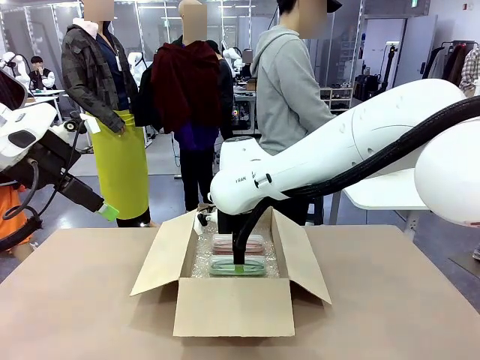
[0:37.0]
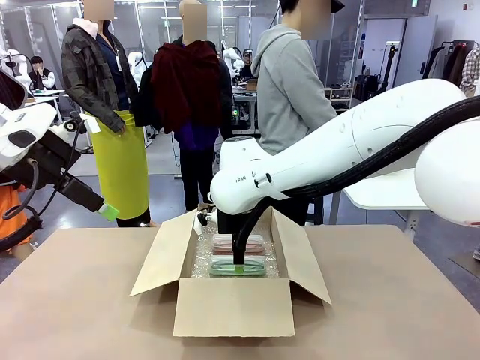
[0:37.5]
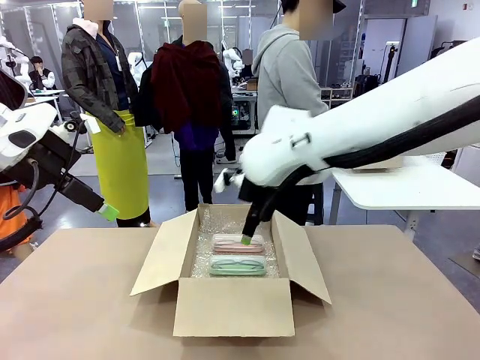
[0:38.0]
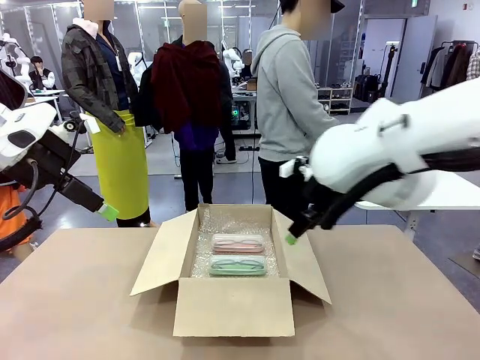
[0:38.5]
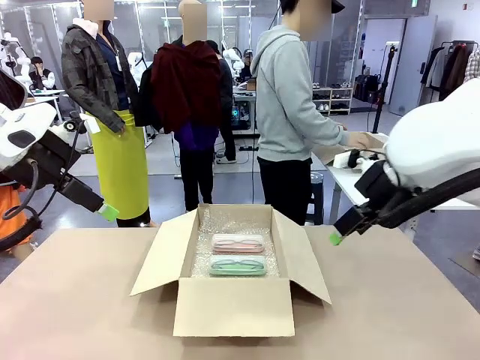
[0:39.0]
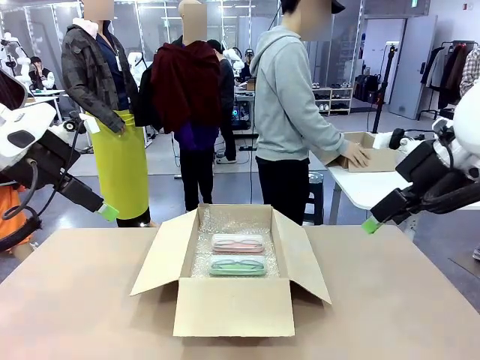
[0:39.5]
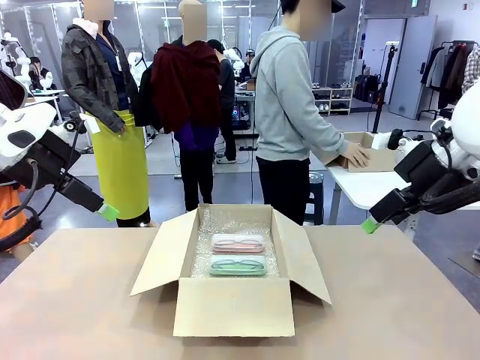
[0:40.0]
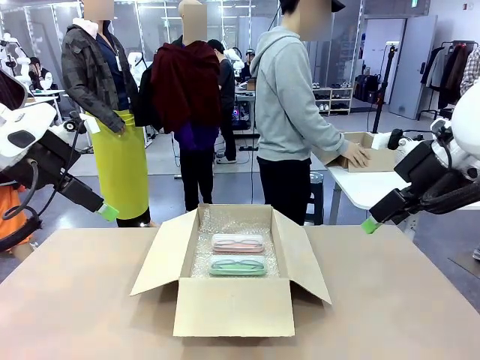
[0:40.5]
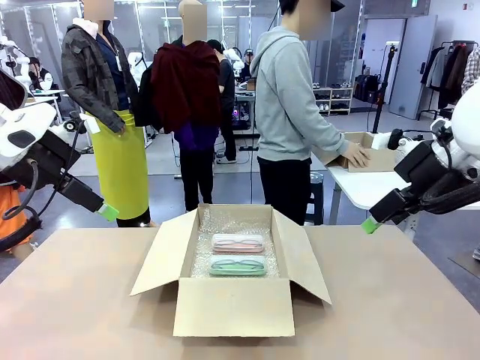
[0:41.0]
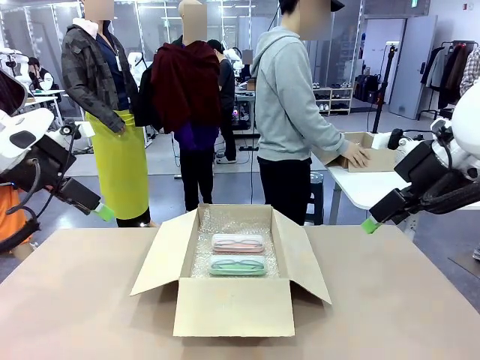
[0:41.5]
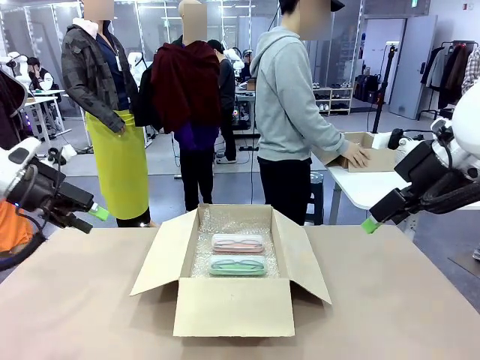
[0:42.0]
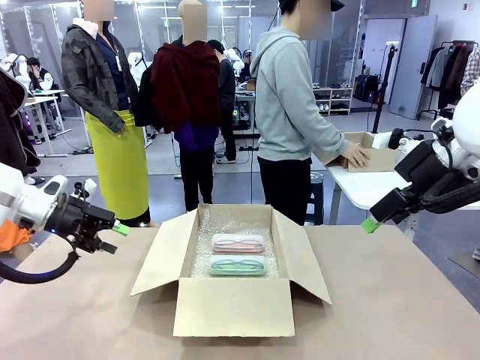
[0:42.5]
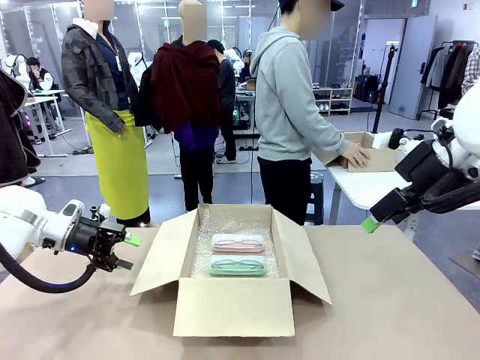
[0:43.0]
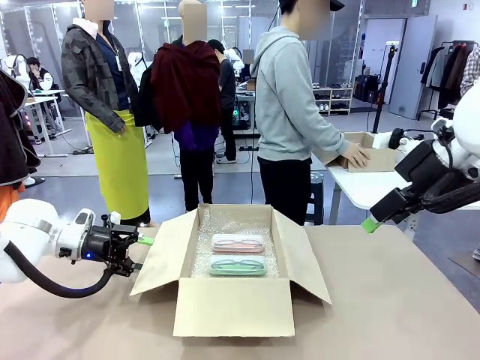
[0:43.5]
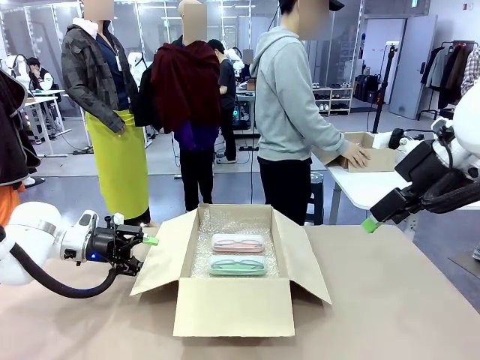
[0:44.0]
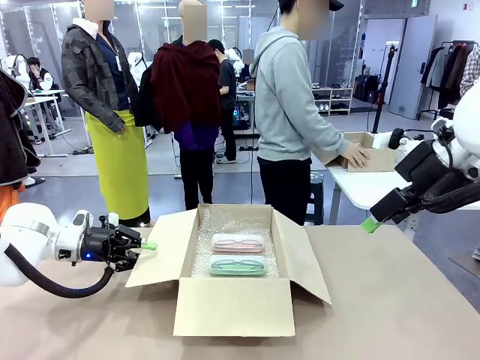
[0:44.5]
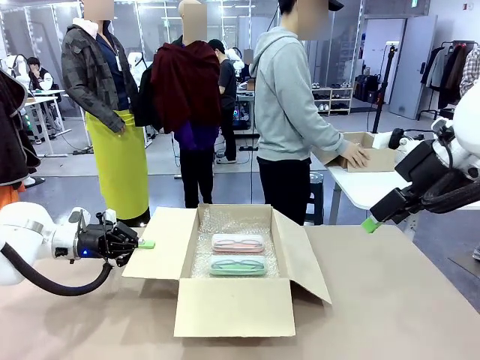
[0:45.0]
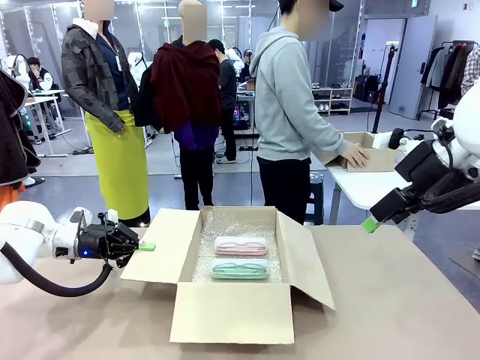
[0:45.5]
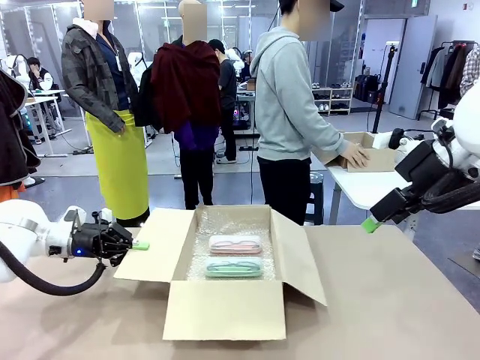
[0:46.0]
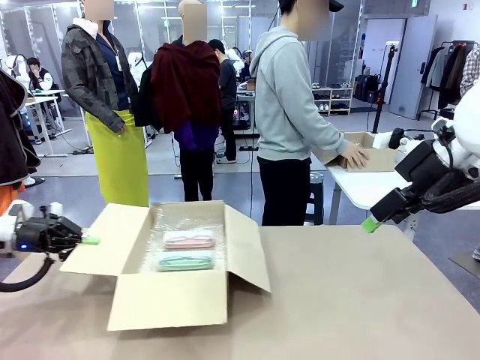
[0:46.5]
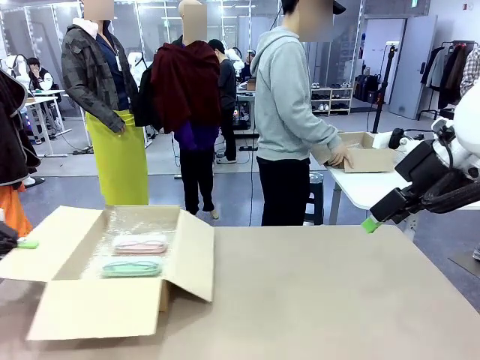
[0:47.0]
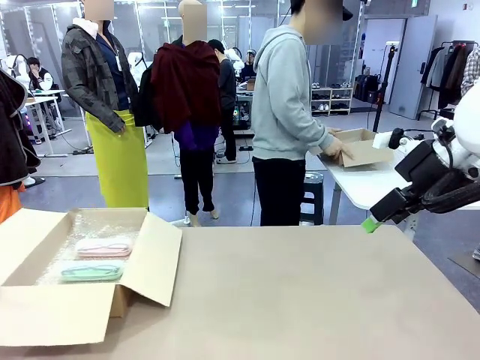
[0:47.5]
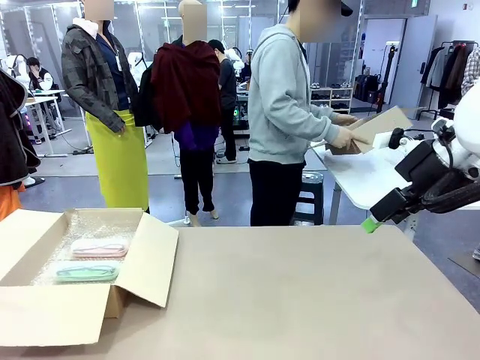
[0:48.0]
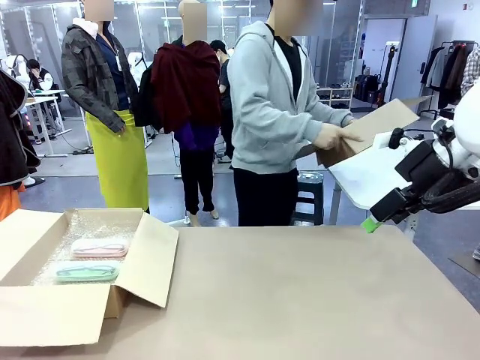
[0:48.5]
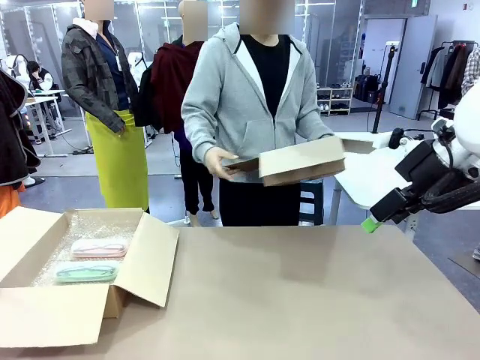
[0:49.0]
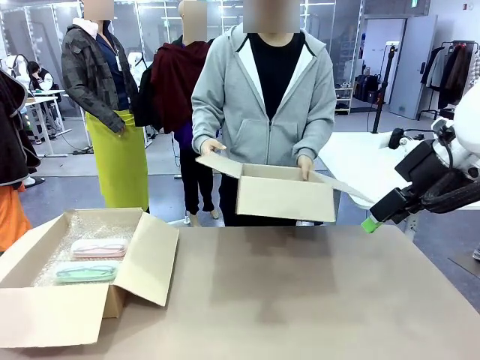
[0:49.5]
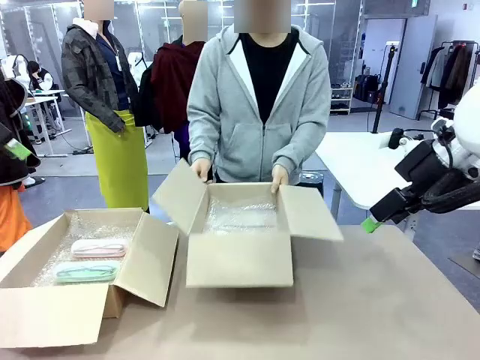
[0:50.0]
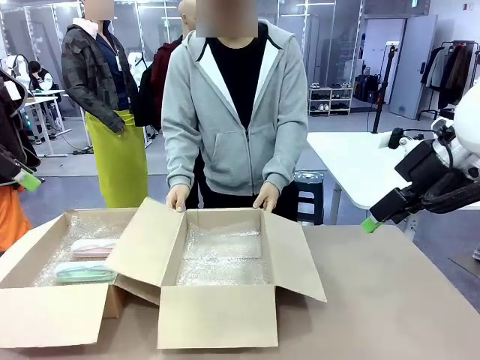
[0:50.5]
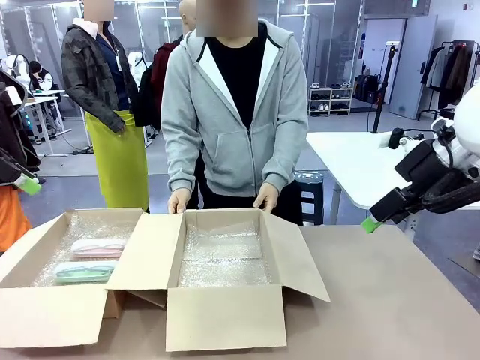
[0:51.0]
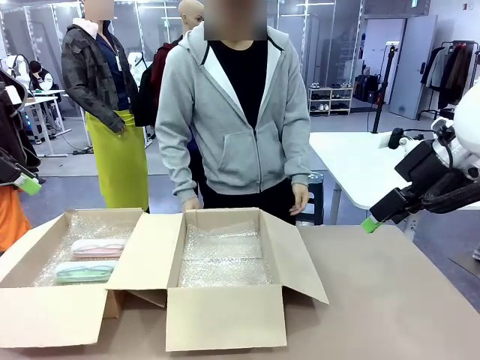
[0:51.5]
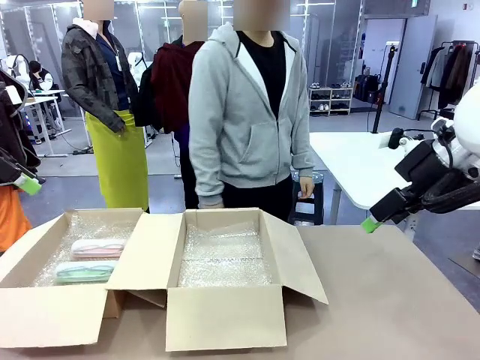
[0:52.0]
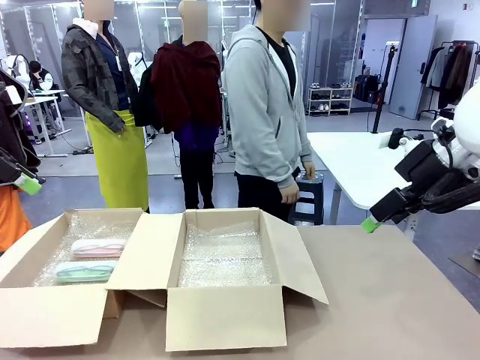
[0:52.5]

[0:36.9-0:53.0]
Task: Pack the glasses set securely to prepare it for shipping.
Robot: Position the Package Box on the left side of the table.
Person: Position the empty Package Box in the middle of the robot's table.

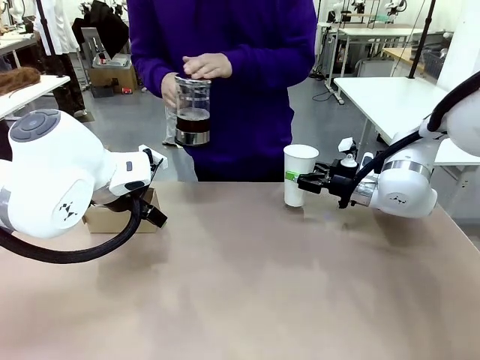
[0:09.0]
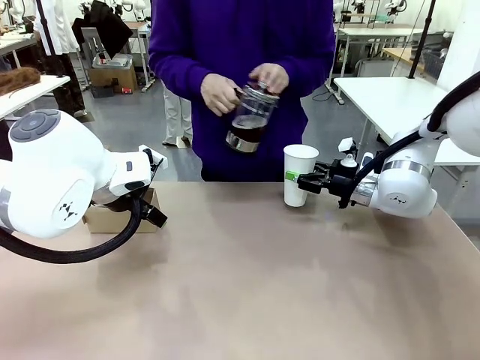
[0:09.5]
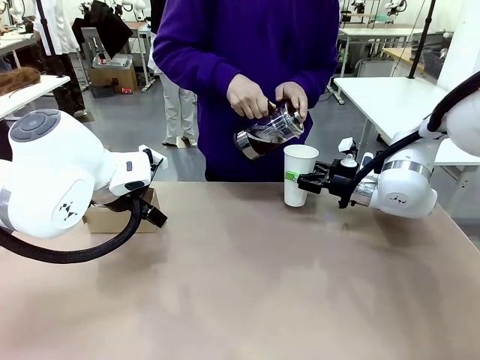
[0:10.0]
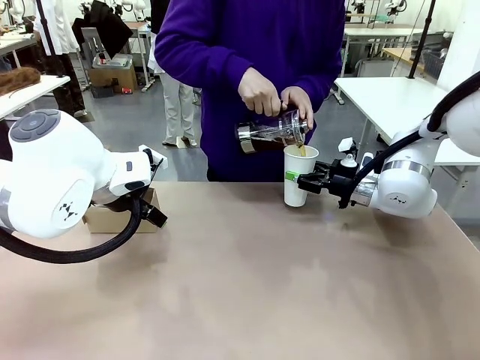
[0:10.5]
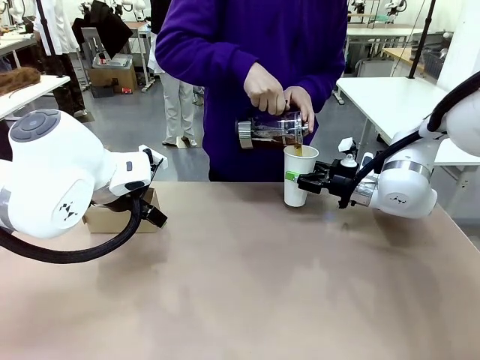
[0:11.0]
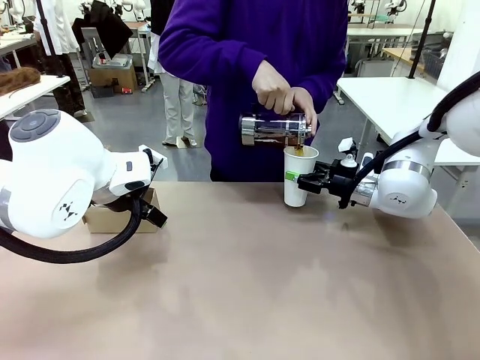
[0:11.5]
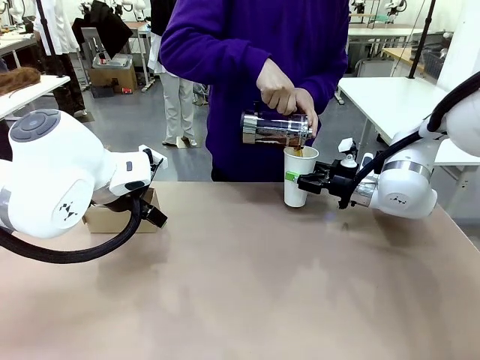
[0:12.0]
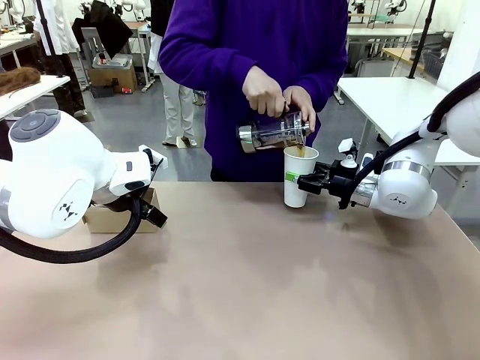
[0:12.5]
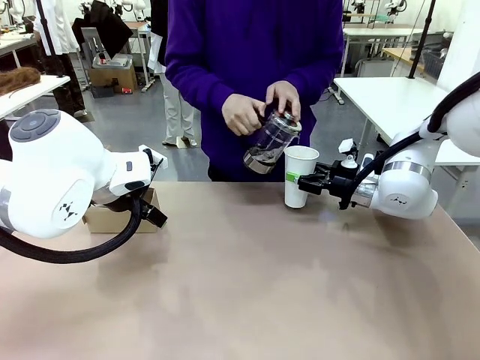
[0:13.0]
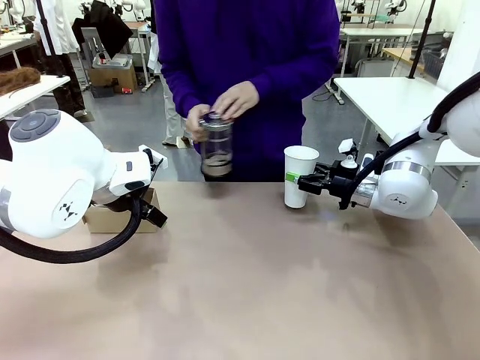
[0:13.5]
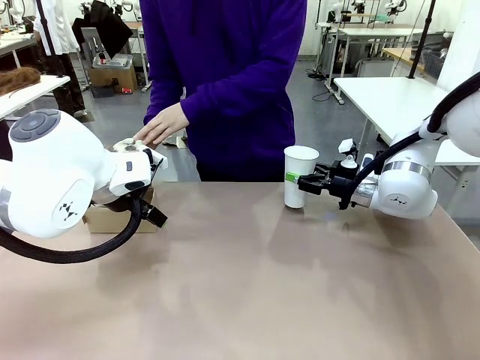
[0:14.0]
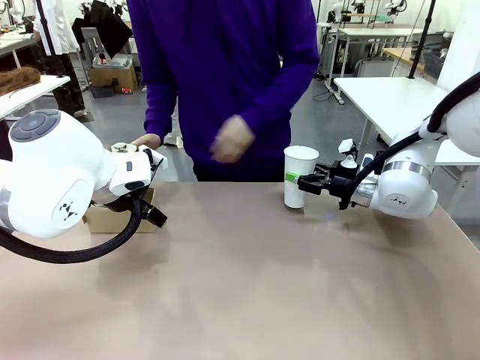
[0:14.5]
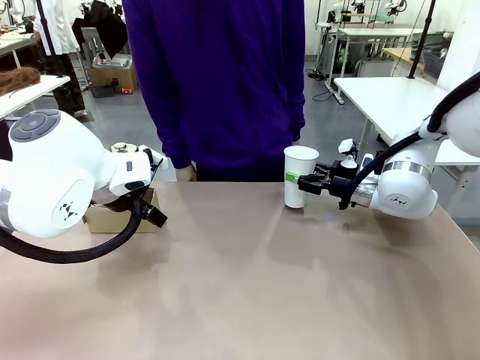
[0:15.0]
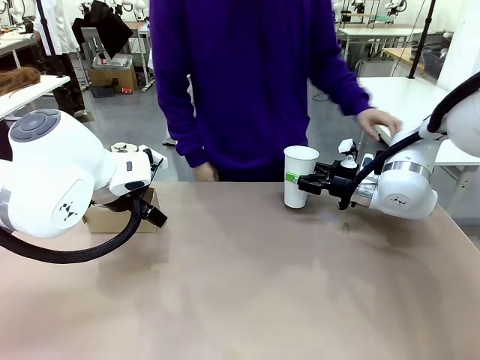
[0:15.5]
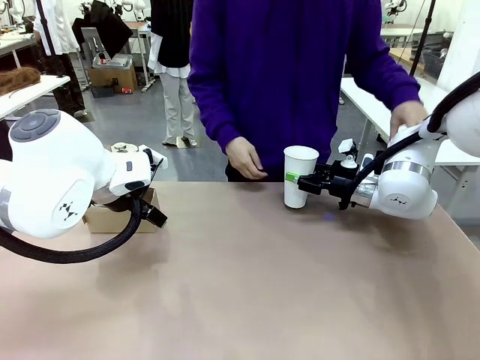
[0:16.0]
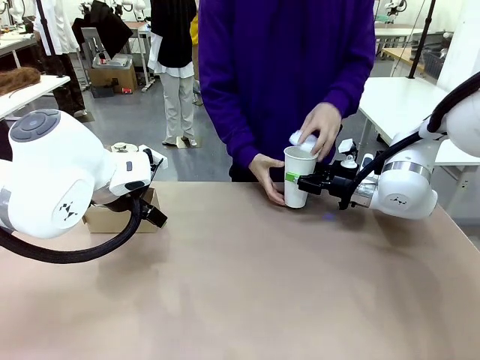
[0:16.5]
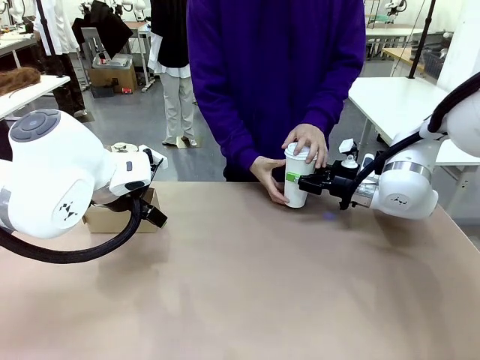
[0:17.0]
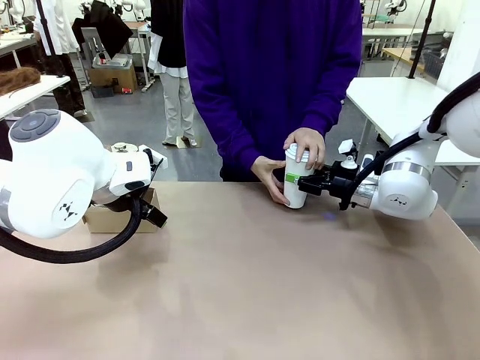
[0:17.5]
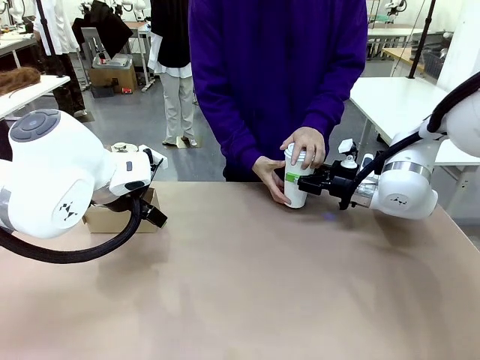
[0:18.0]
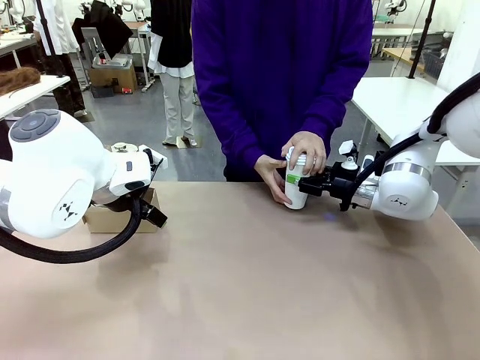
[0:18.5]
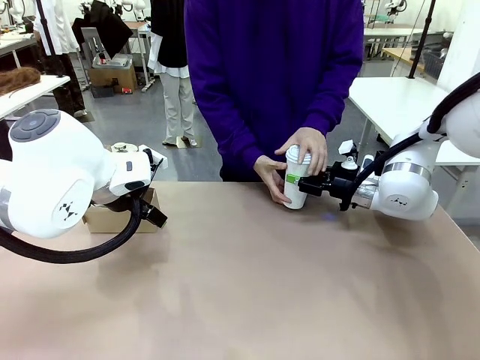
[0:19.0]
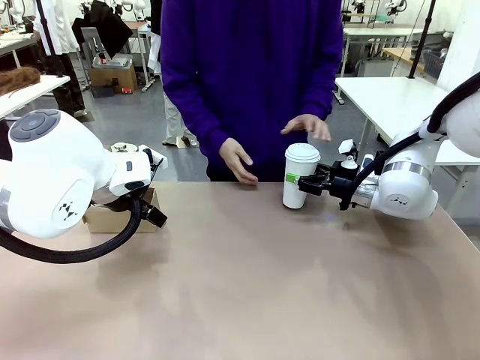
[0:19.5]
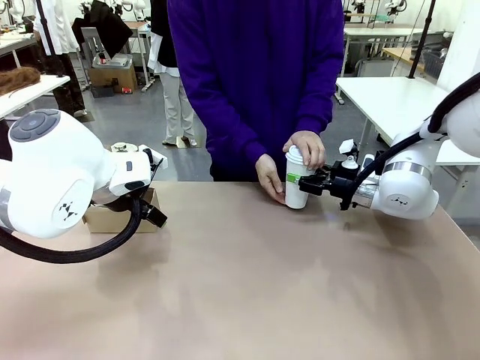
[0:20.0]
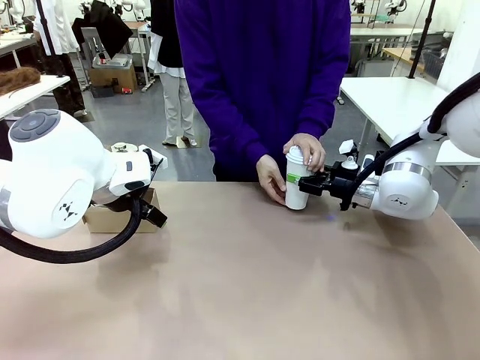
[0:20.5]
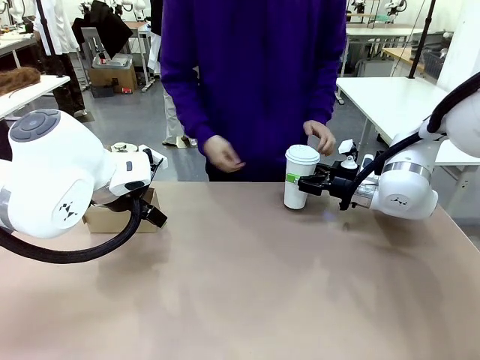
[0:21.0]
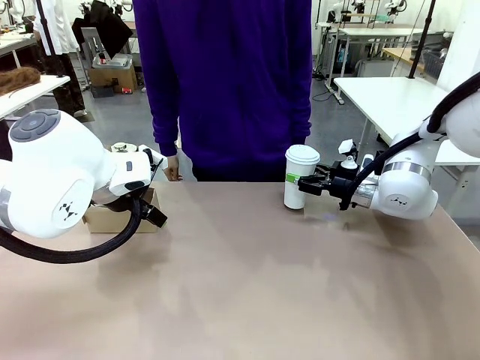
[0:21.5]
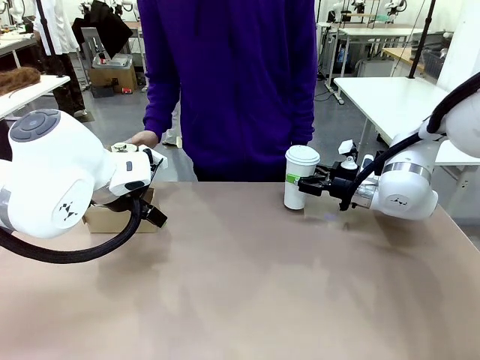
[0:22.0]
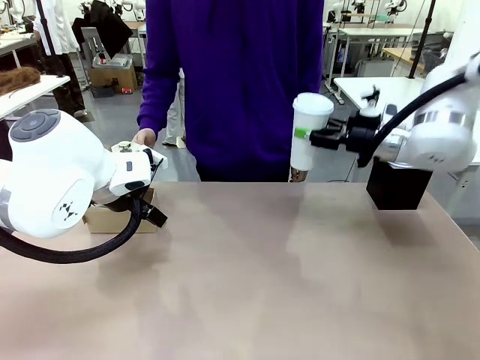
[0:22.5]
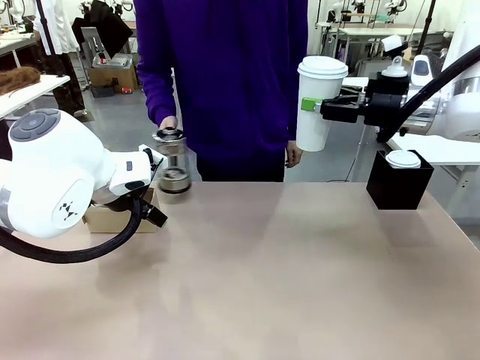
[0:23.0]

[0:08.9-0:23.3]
Task: Pour a drink into a cup and package it in a carrier.
Robot: When a person places the Paper Cup Lid on the 600 ml Paper Cup , lift the 600 ml Paper Cup.
Person: Pour the drink from the Filter Brewing into the 600 ml Paper Cup. Place a Paper Cup Lid on the 600 ml Paper Cup.
